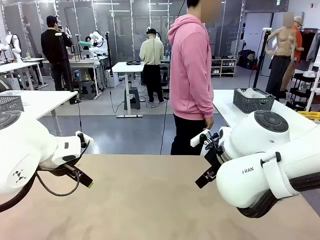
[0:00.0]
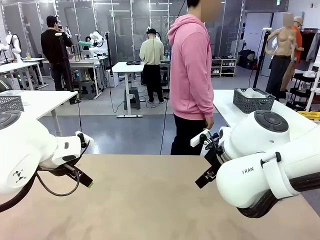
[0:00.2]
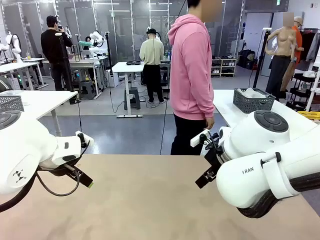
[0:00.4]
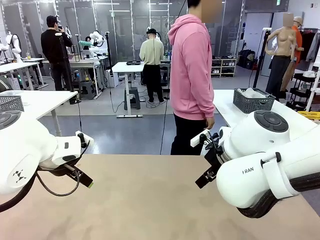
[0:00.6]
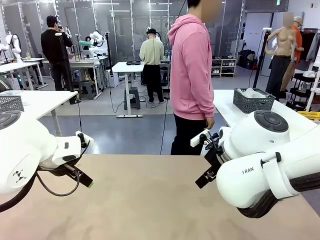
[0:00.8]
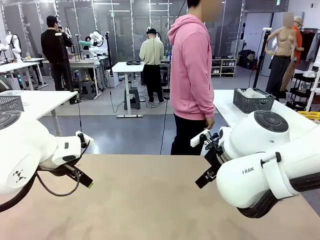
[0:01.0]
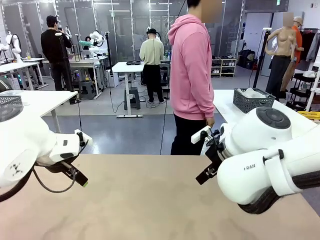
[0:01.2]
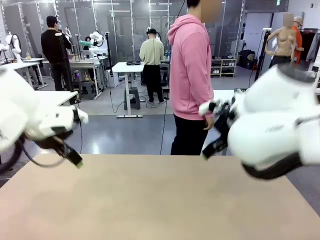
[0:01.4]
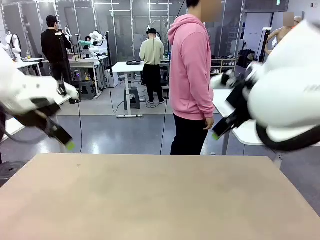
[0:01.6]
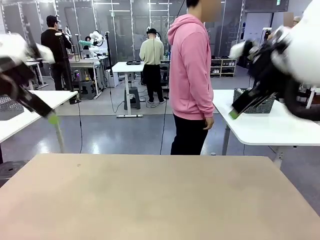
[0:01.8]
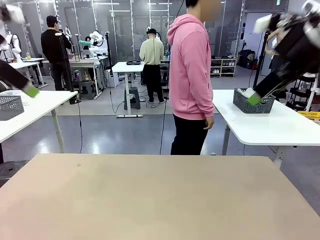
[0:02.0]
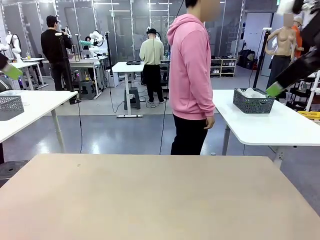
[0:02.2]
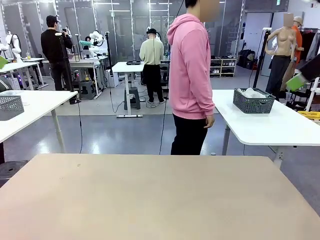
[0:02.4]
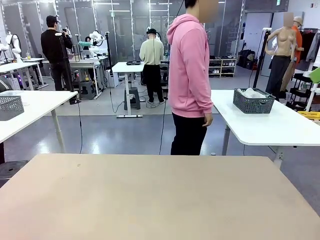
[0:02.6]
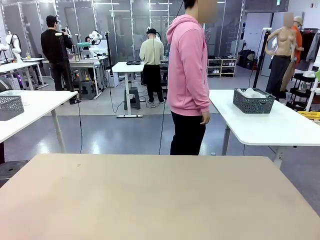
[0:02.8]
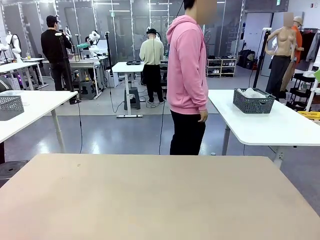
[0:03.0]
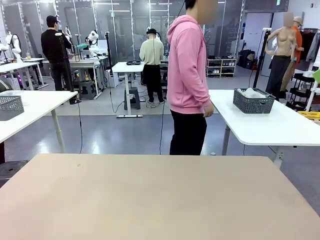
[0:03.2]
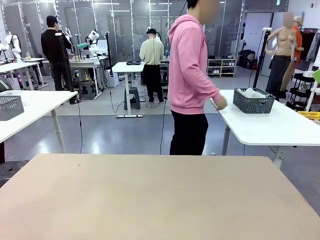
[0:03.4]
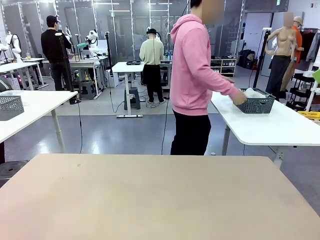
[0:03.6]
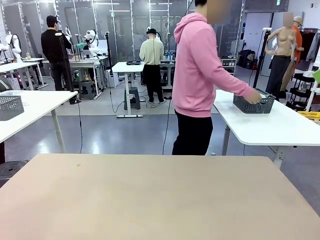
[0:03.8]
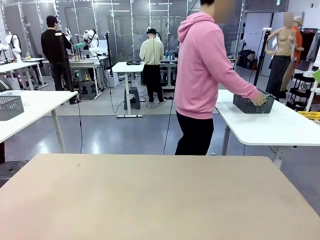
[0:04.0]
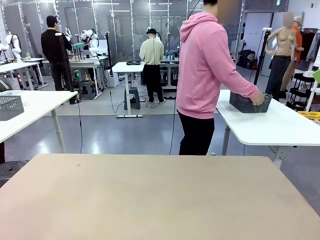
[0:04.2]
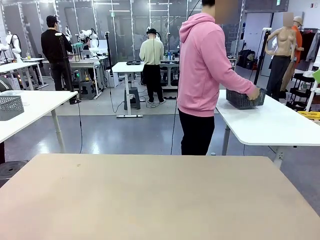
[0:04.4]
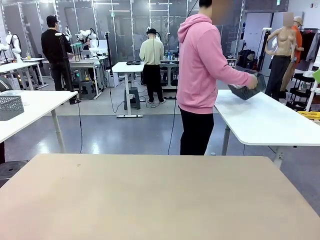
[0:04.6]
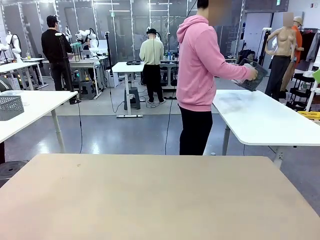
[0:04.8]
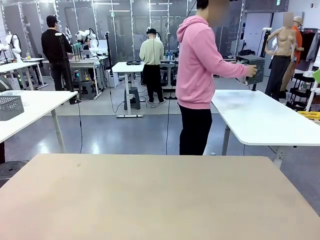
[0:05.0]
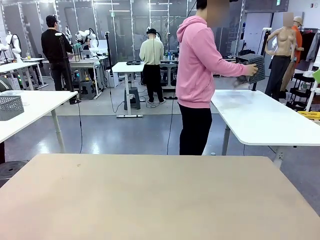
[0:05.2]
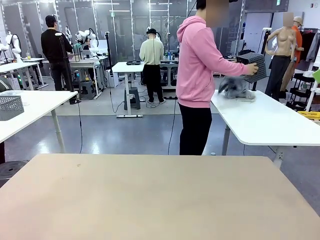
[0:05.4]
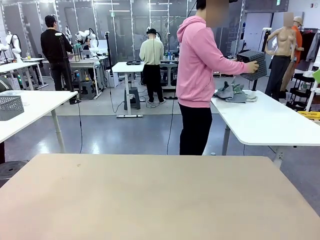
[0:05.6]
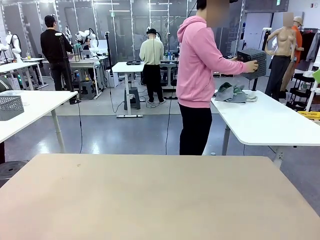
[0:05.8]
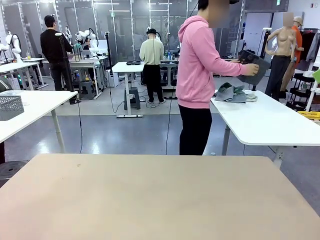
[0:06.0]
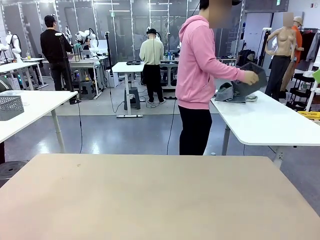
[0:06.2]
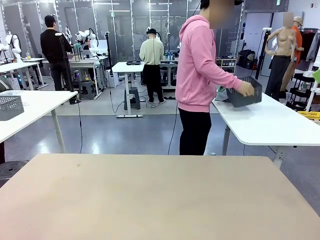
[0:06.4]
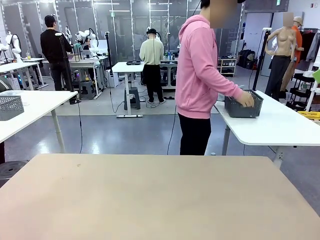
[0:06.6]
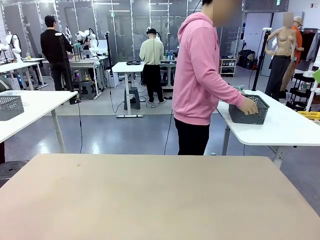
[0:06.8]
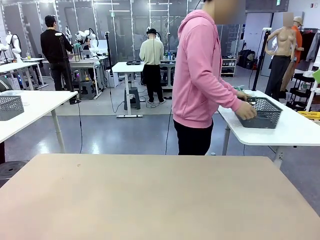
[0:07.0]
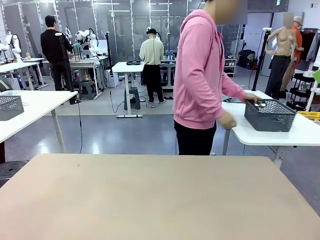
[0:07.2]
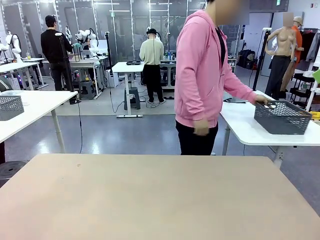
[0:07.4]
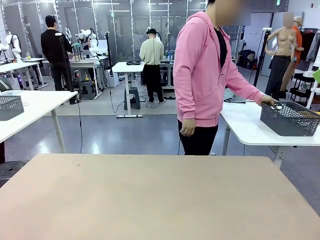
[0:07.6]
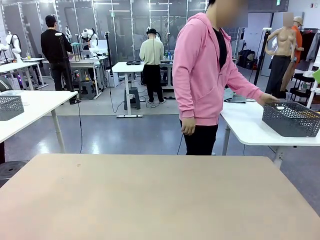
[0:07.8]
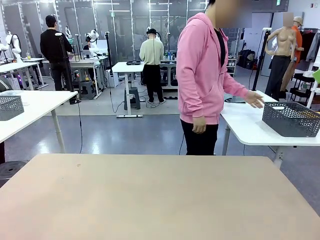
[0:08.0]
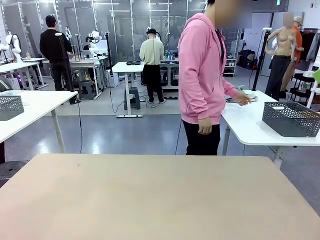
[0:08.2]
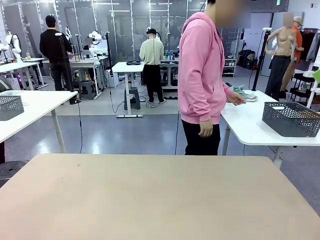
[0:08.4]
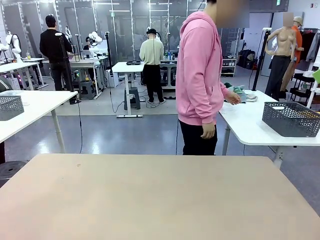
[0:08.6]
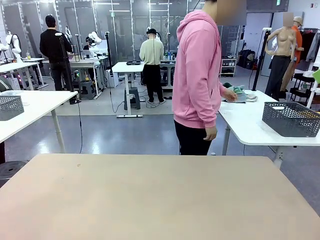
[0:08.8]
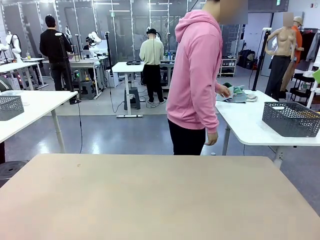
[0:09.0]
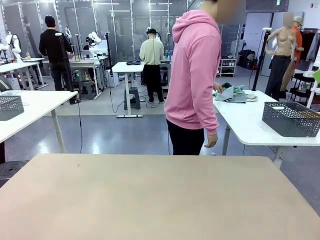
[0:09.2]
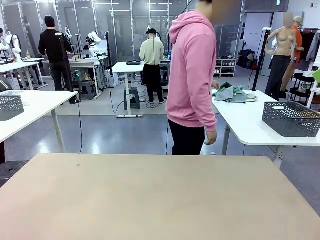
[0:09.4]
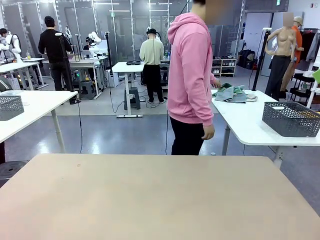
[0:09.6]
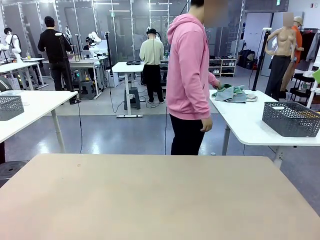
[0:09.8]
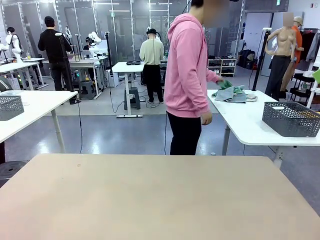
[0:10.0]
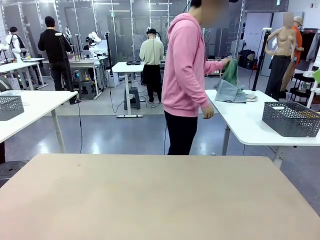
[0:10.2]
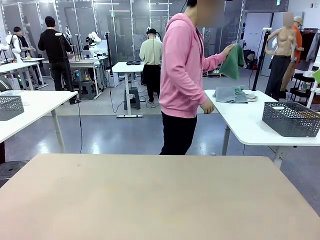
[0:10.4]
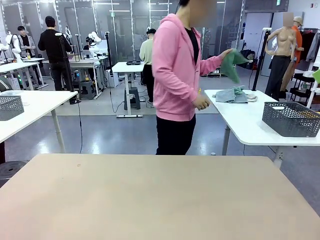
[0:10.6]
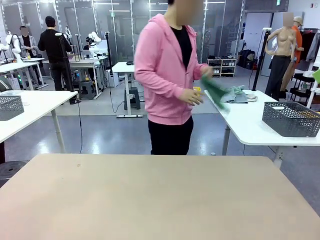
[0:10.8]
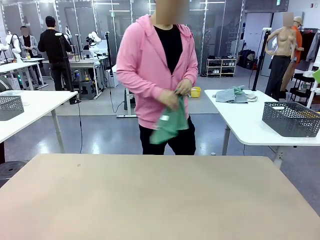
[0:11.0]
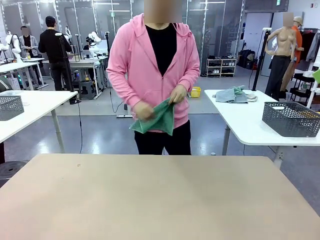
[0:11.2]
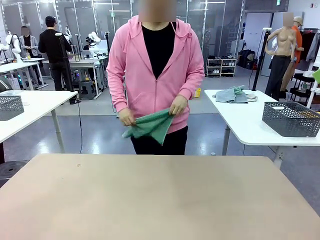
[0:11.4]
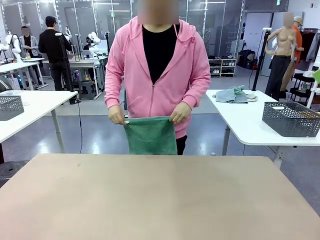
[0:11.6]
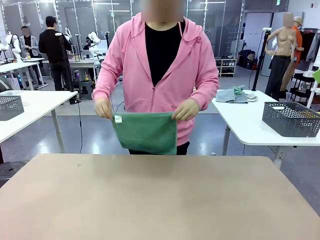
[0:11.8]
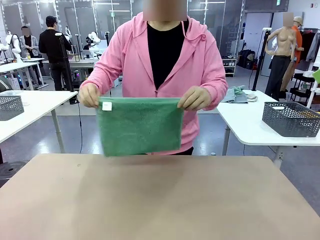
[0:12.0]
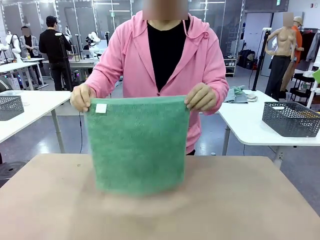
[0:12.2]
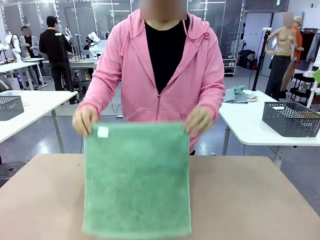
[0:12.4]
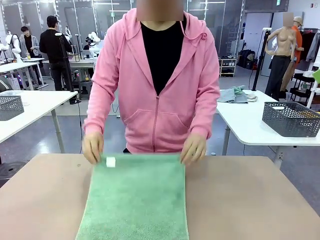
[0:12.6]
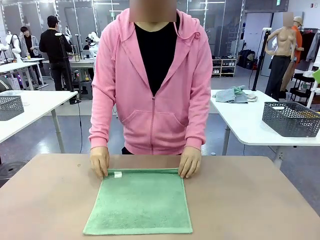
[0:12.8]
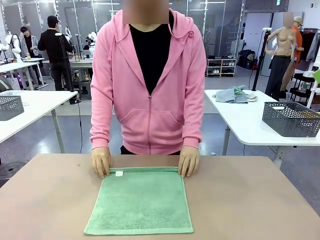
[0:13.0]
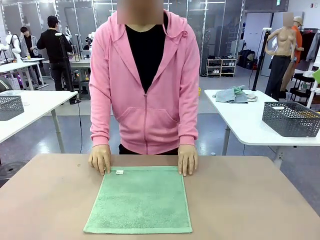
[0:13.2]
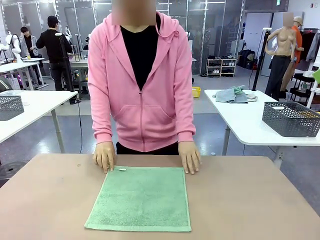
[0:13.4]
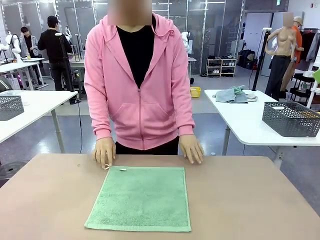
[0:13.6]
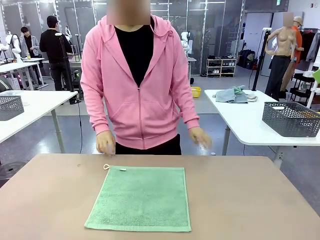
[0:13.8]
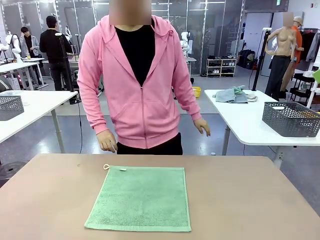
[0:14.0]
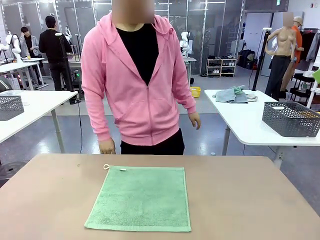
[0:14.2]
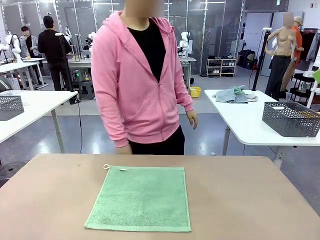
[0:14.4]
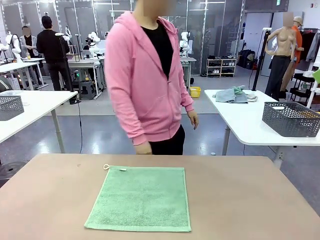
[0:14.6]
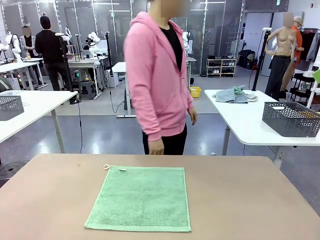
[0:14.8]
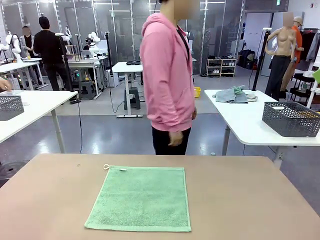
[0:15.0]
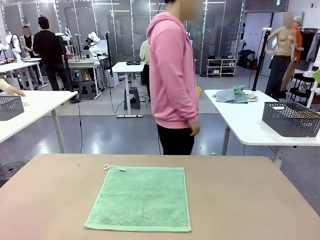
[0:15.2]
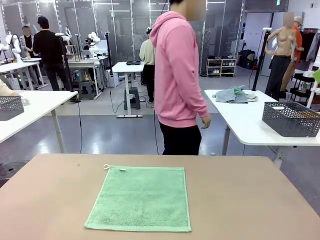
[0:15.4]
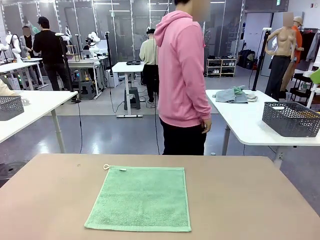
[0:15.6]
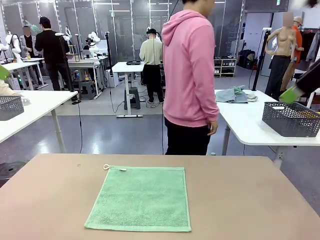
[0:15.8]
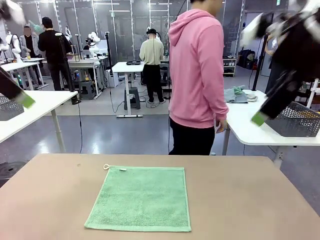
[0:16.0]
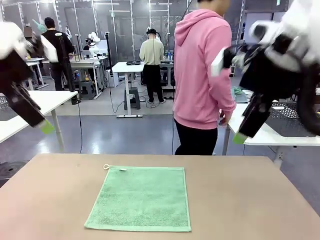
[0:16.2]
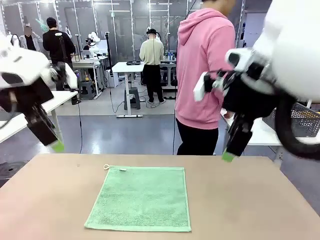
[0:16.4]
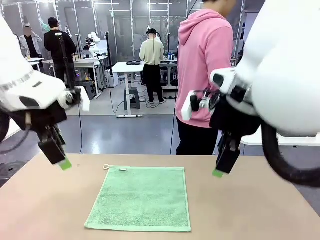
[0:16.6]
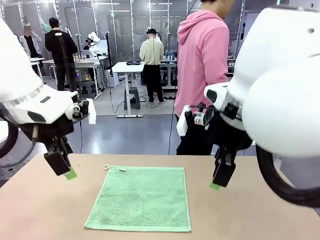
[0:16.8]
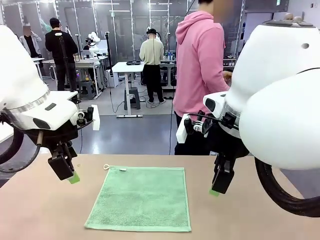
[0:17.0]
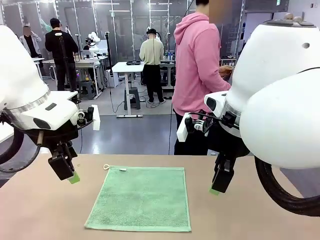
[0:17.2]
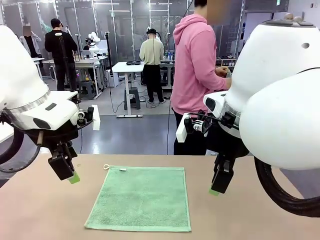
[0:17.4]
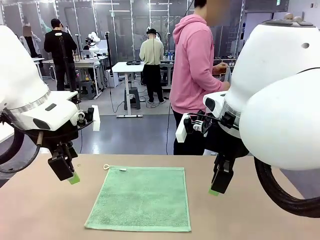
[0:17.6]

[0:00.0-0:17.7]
Task: Fold the towels and place them in the basket.
Robot: When a person lays out a Towel with hook on the table, fold it in half twice.
Person: Pick up the basket, pour the towels onto the left side of the human table, and place the basket on the right side. Pick up one towel and spread it out at the center of the robot table.
